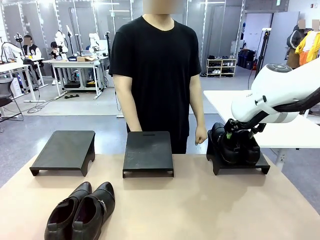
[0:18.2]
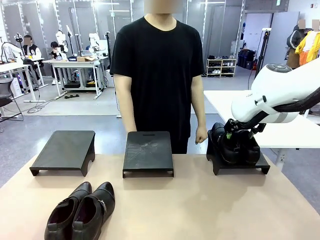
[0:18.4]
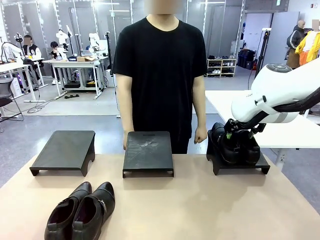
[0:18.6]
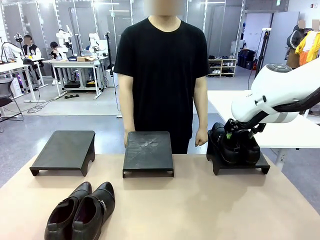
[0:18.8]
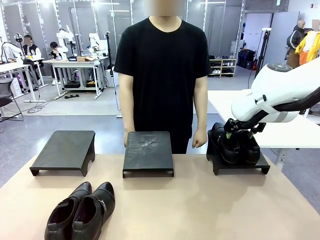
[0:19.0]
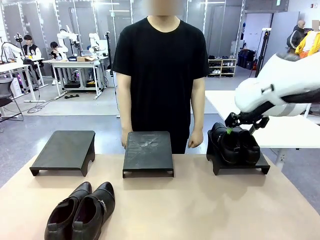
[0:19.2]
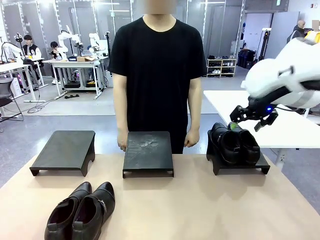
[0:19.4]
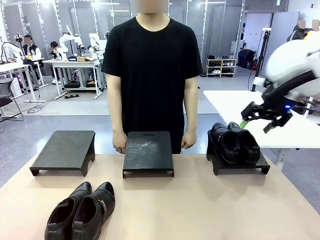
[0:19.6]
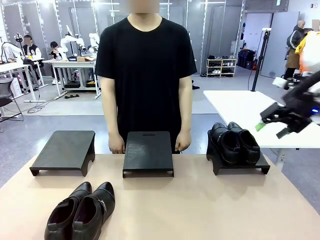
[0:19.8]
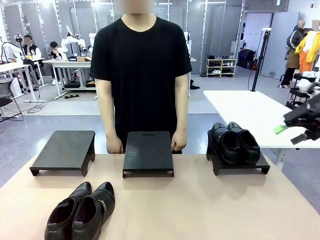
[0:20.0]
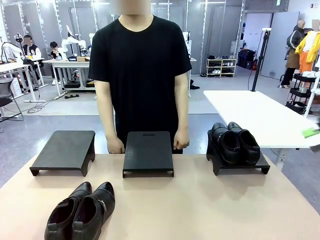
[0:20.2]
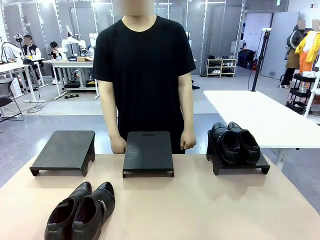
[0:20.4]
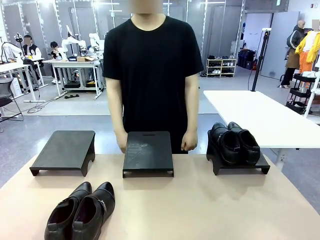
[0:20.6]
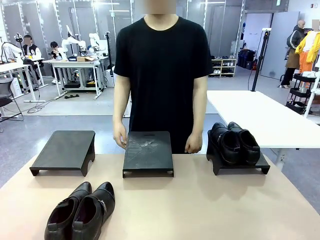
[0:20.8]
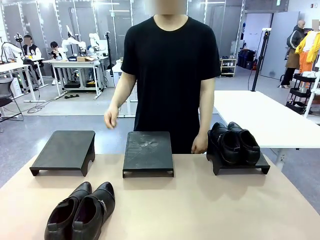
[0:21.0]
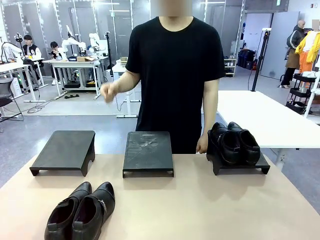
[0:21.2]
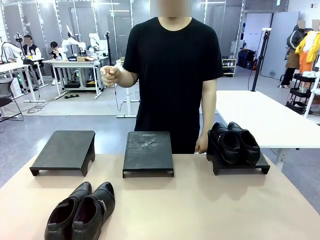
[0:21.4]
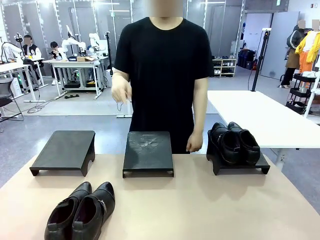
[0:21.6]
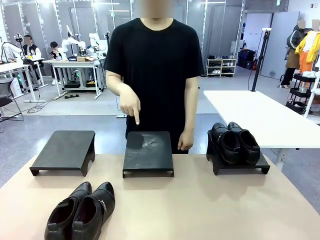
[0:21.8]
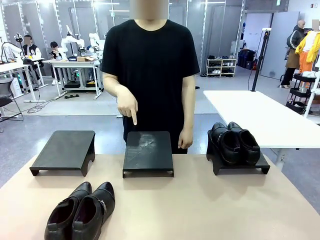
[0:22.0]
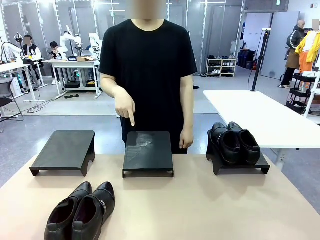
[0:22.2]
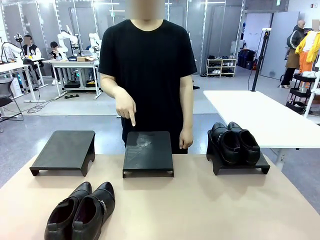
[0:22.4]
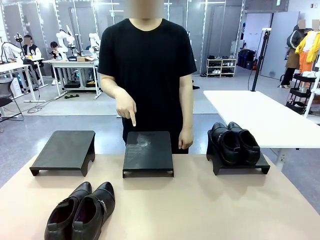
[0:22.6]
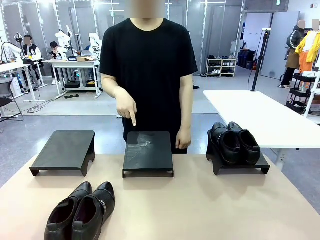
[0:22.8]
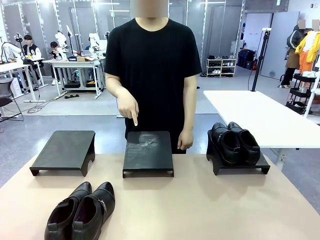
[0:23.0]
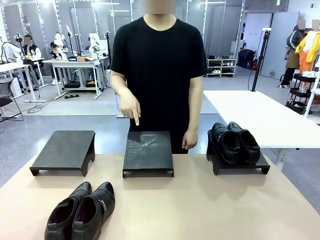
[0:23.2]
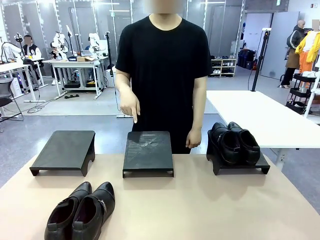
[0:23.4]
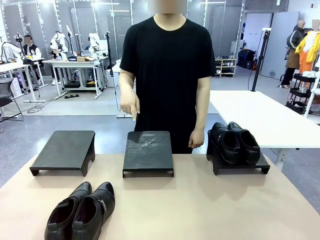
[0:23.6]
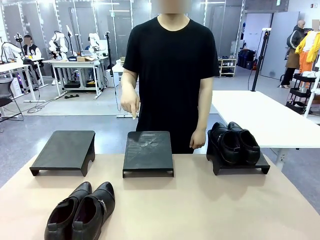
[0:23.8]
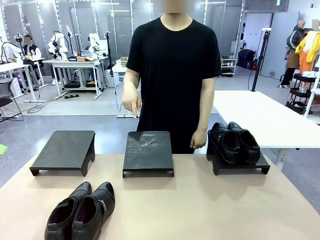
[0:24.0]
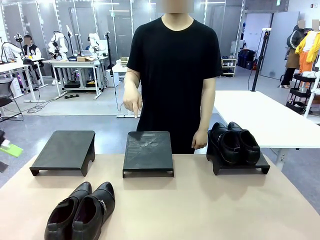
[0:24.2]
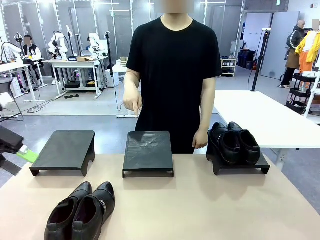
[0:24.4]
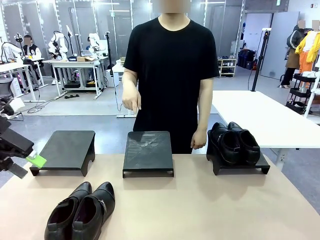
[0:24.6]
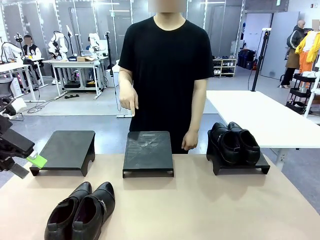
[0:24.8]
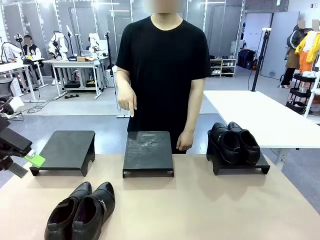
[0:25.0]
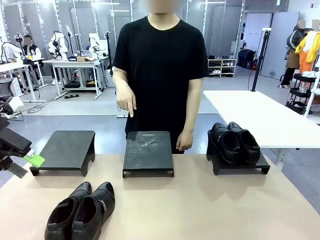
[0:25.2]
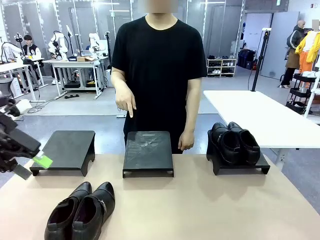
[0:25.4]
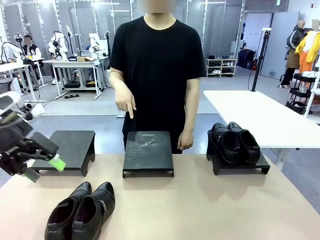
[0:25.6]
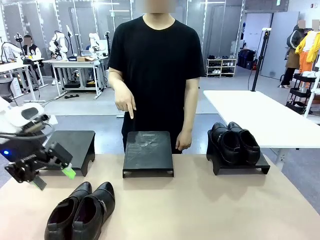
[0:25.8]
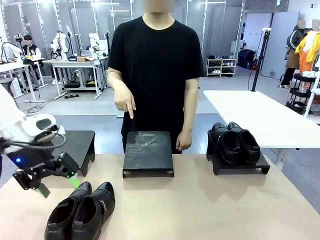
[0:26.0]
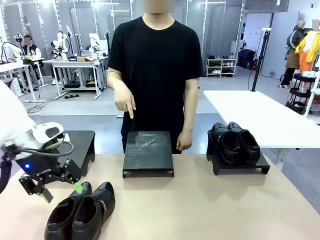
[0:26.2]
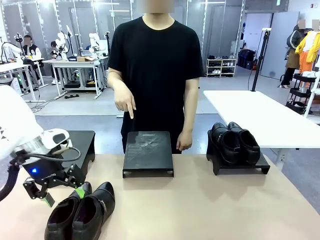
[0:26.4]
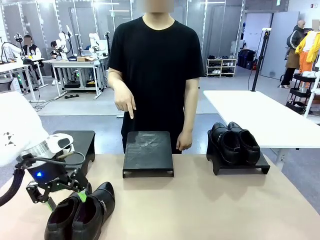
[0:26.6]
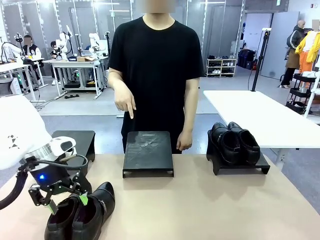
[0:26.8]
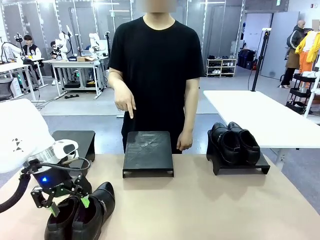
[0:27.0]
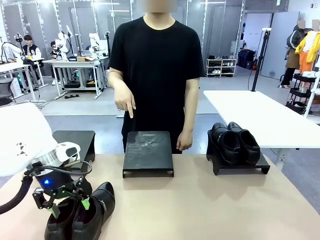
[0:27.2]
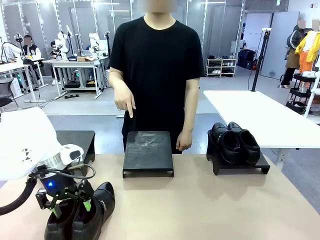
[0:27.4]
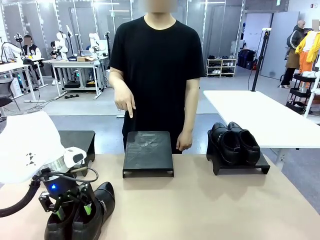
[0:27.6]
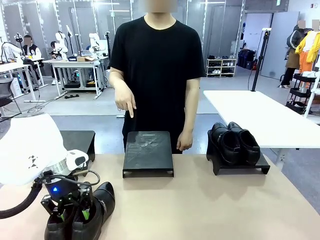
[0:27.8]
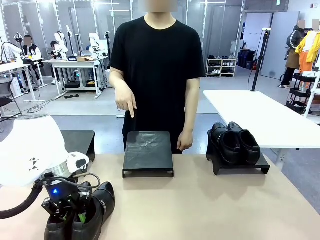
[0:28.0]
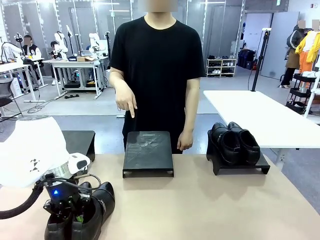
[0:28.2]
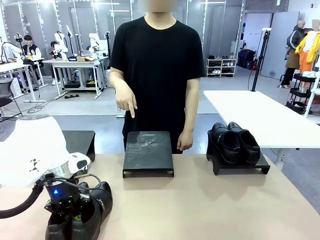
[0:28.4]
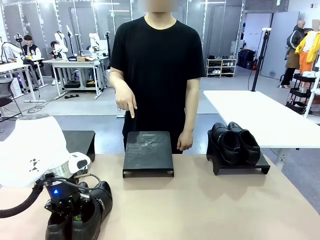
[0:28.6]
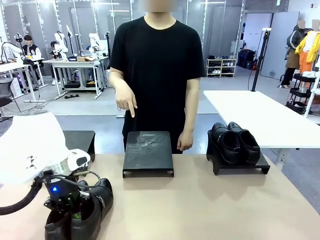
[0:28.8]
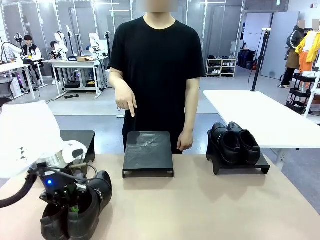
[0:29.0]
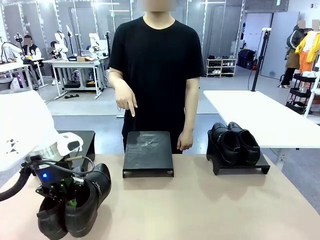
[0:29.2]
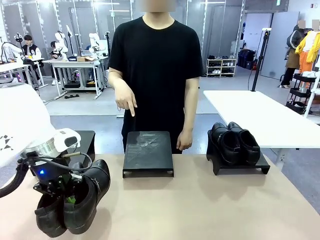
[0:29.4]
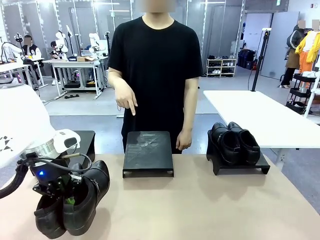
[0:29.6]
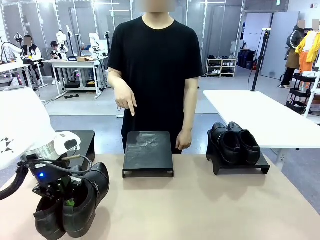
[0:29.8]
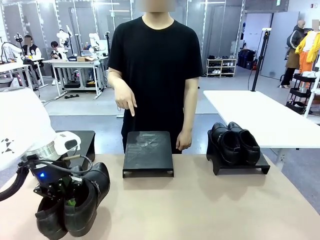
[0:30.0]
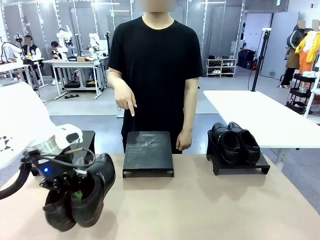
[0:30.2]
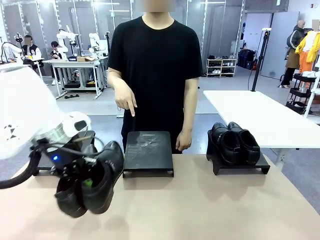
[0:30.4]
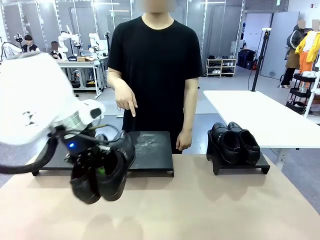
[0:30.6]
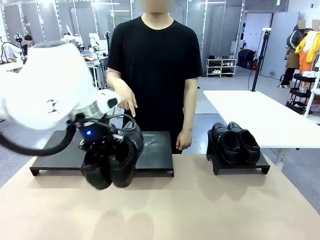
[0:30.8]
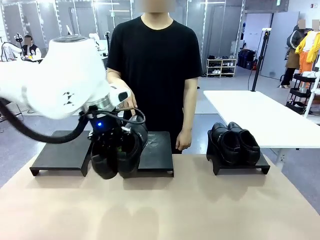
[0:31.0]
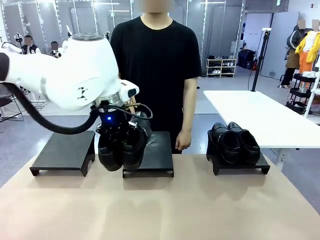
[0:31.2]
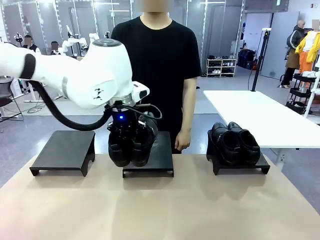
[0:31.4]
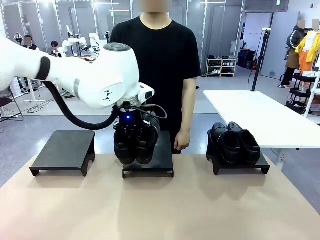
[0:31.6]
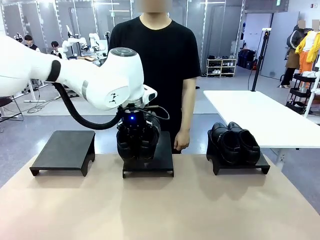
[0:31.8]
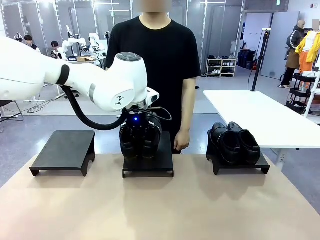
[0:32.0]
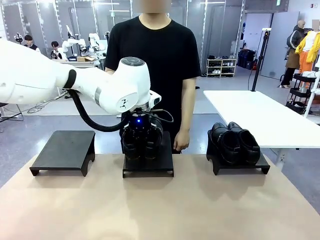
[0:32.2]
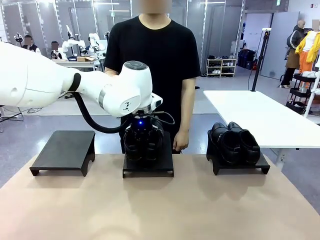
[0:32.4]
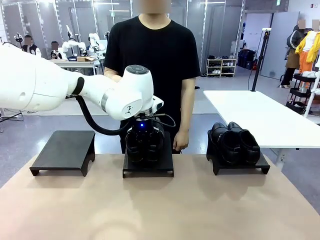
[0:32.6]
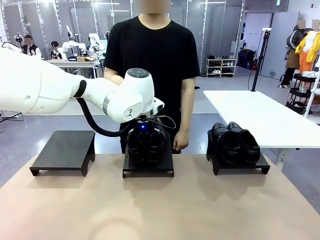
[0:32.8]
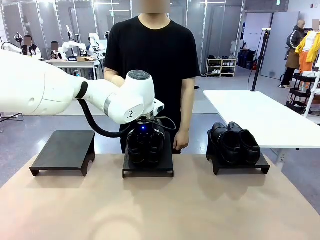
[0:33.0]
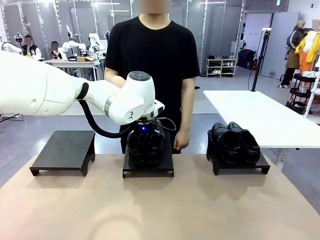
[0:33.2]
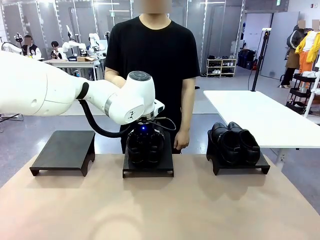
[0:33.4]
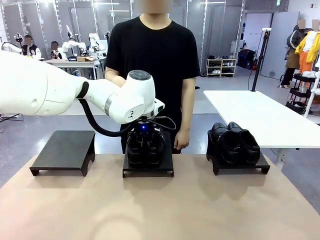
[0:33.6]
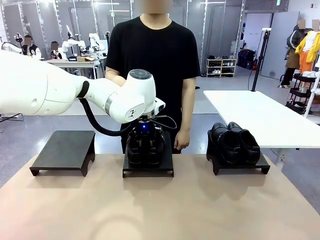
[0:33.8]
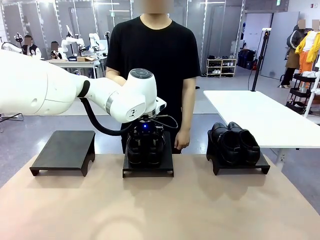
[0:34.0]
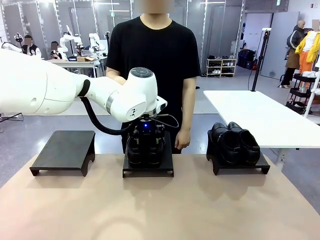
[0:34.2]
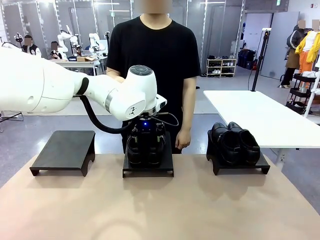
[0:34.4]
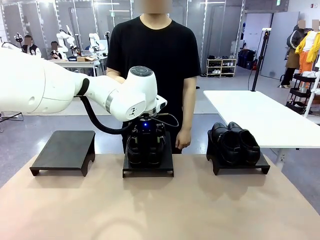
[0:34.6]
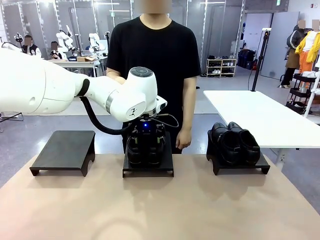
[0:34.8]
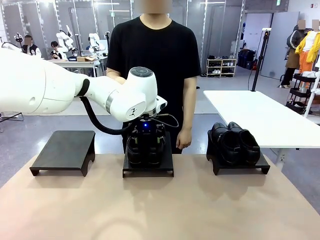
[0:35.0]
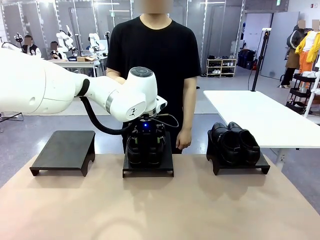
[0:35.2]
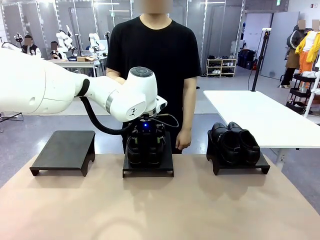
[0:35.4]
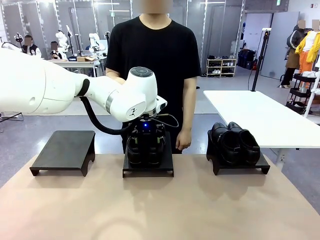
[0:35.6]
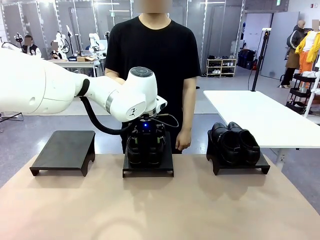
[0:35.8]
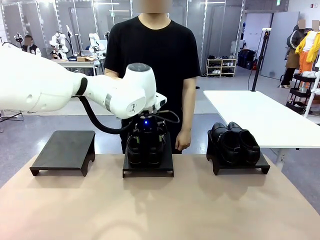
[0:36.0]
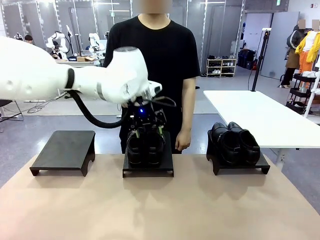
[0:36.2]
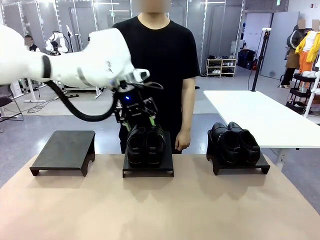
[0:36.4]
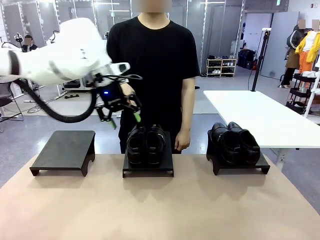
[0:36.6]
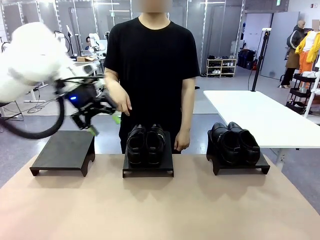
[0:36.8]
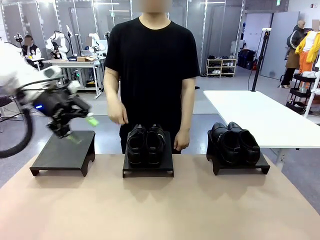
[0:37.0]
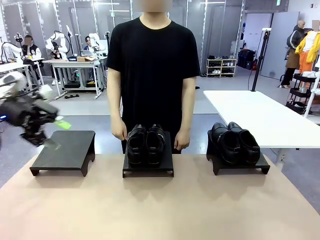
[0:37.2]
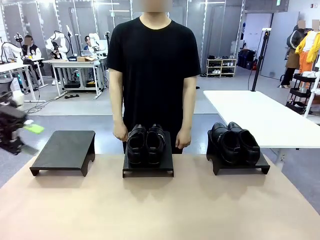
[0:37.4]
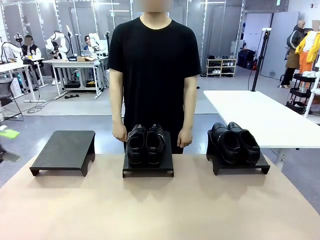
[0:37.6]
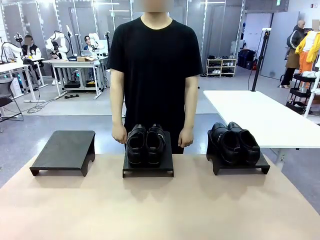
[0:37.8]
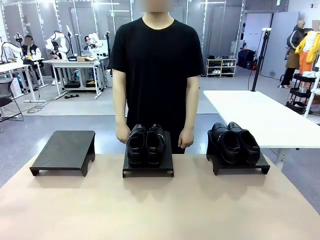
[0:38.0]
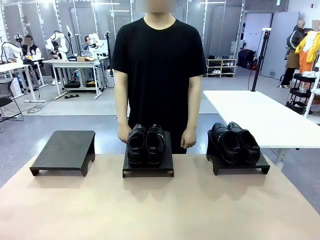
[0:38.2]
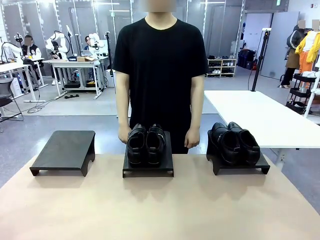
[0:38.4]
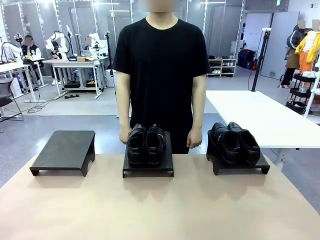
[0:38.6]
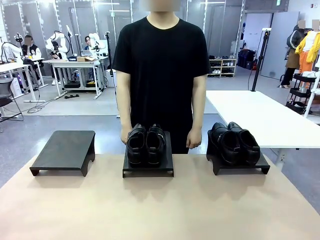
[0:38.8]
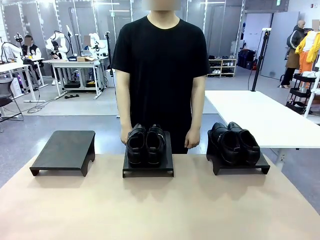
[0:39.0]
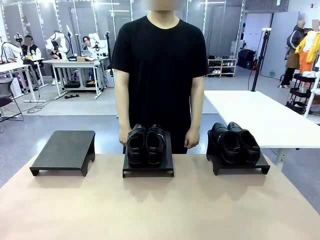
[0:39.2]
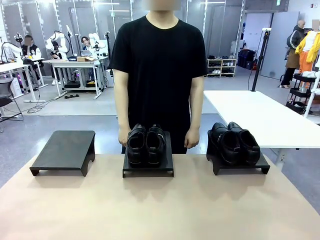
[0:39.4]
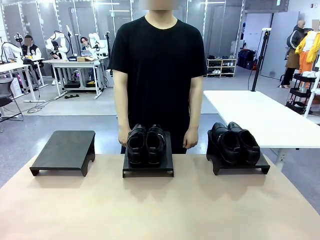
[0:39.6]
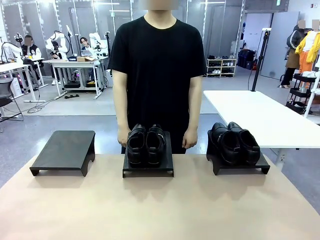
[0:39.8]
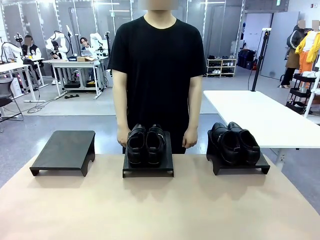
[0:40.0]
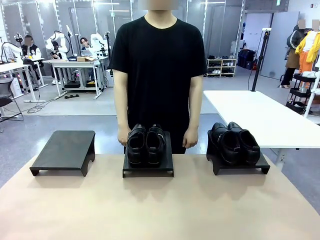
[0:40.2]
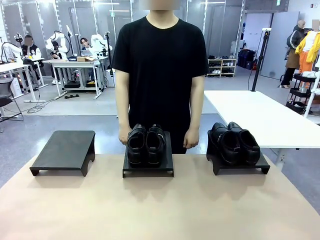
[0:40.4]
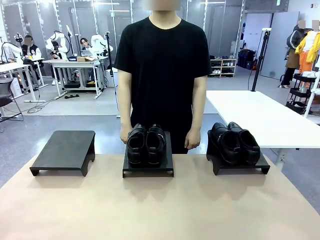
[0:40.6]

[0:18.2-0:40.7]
Task: Place the shoes on the stand as instructed by the person.
Robot: Pick up another pair of Shoes and place it on the Shoes Stand indicated by the person.
Person: Point to one Shoes Stand.
